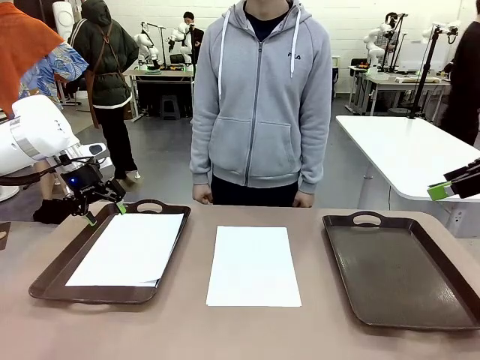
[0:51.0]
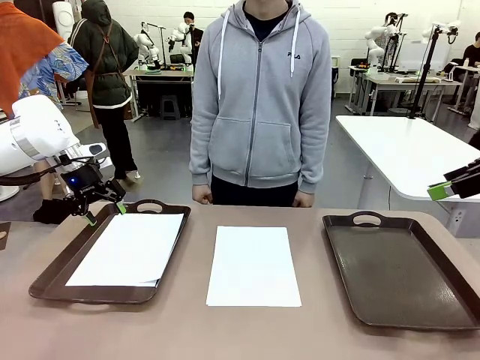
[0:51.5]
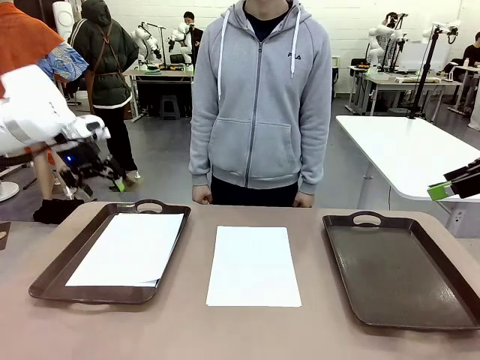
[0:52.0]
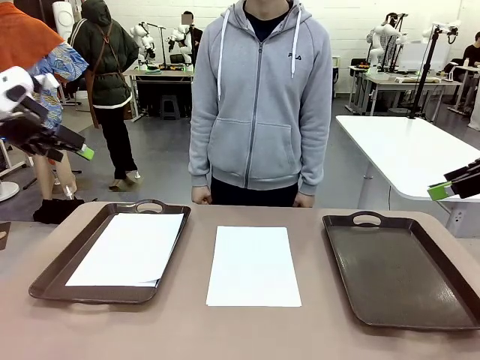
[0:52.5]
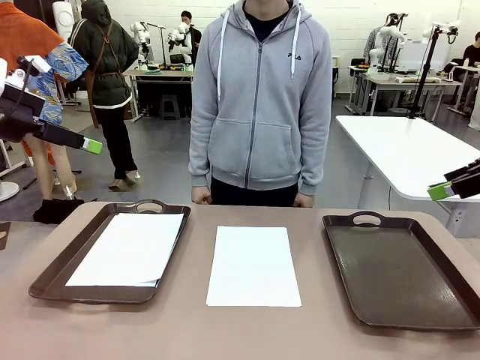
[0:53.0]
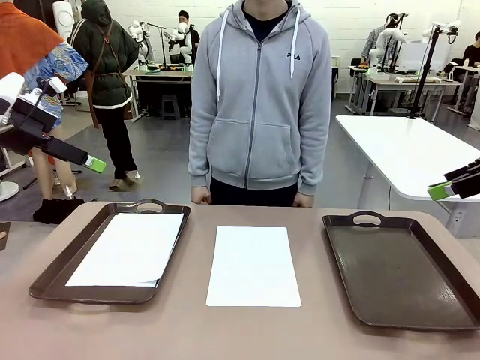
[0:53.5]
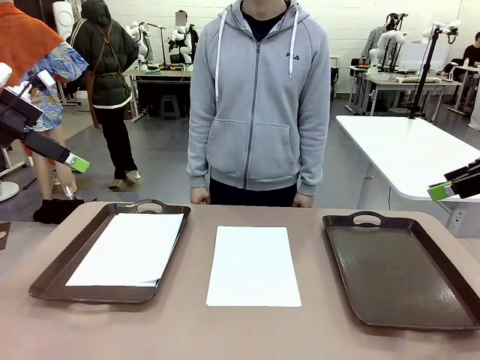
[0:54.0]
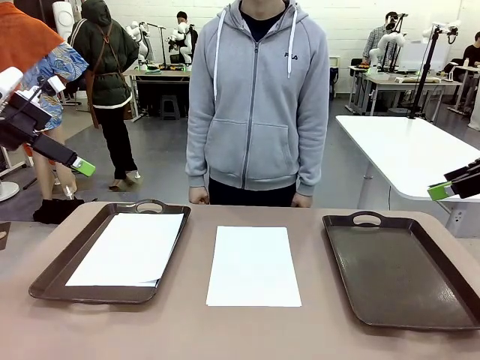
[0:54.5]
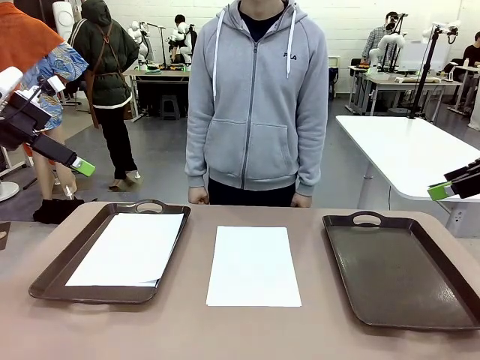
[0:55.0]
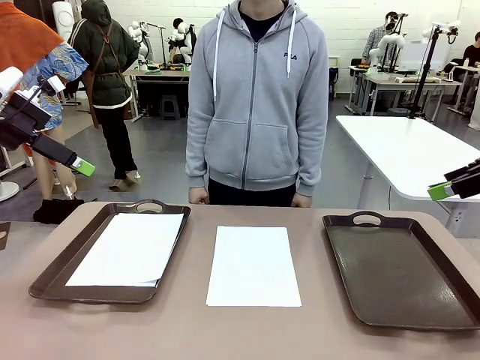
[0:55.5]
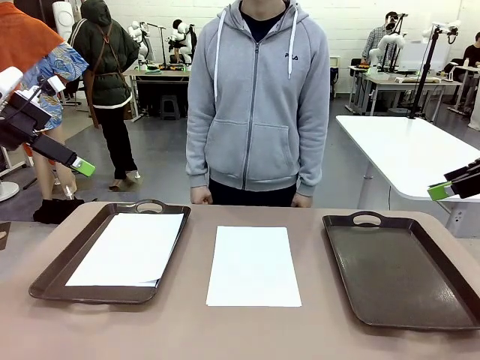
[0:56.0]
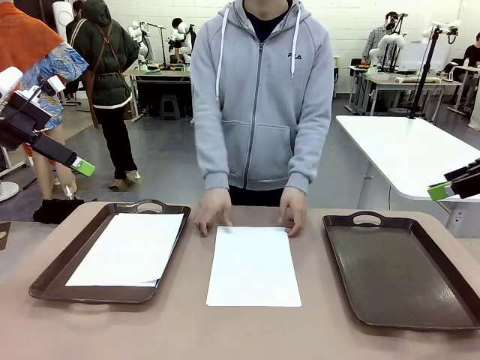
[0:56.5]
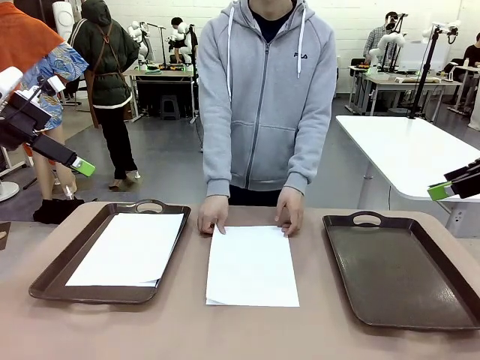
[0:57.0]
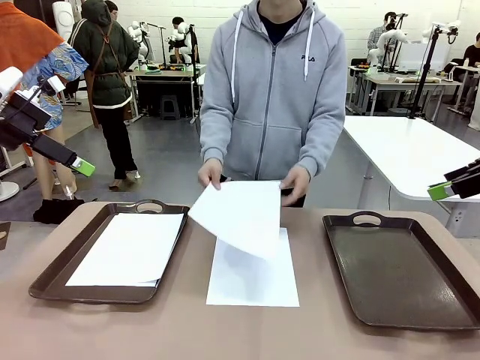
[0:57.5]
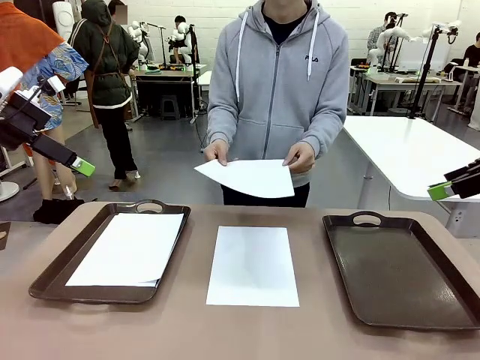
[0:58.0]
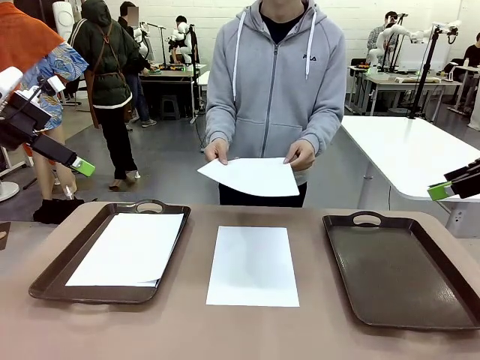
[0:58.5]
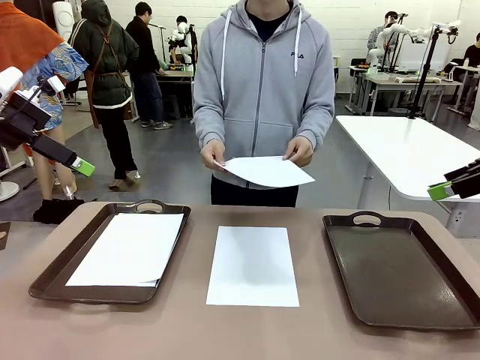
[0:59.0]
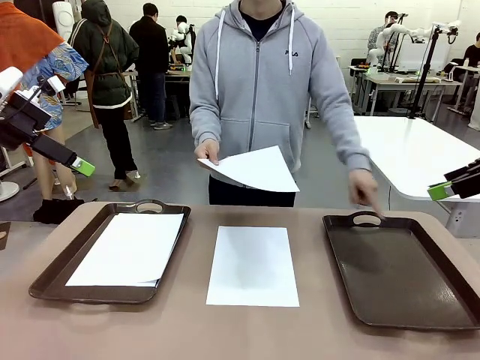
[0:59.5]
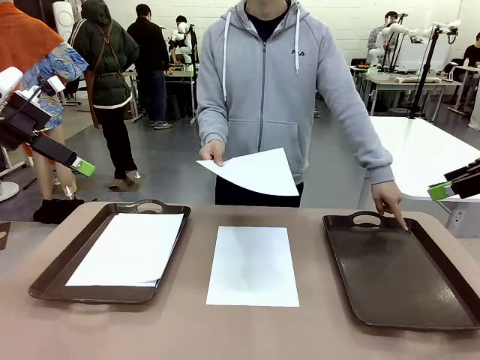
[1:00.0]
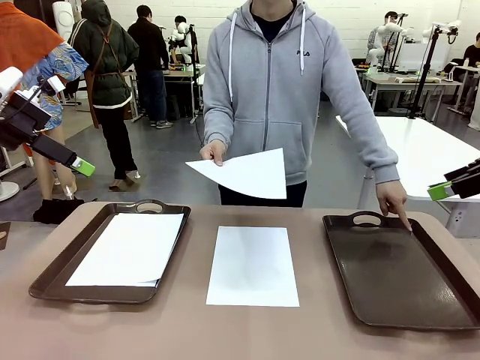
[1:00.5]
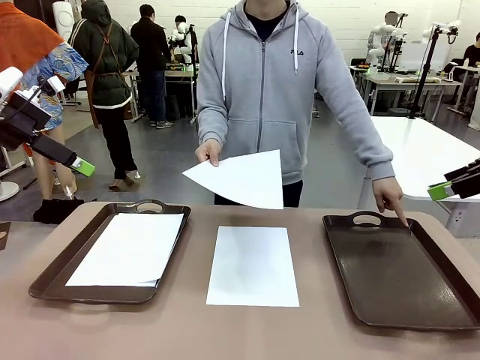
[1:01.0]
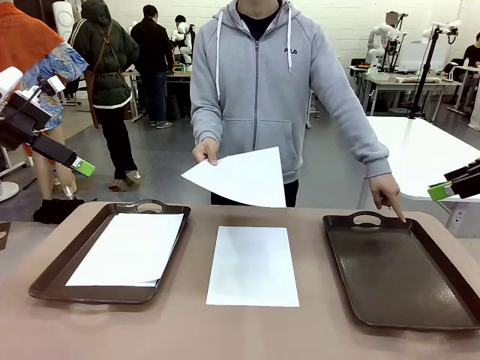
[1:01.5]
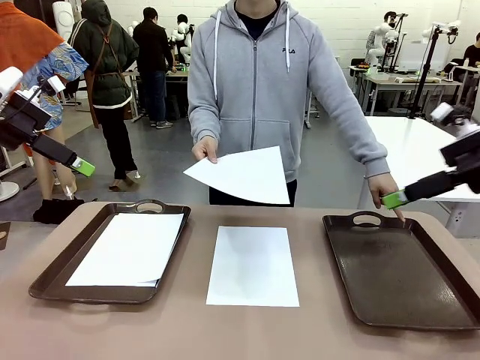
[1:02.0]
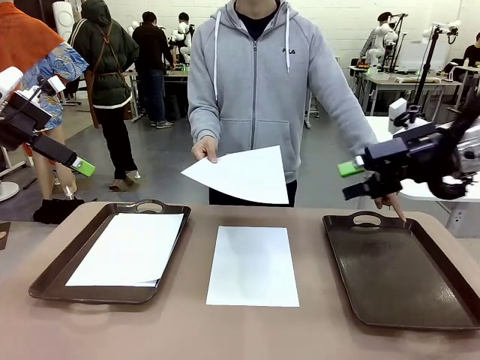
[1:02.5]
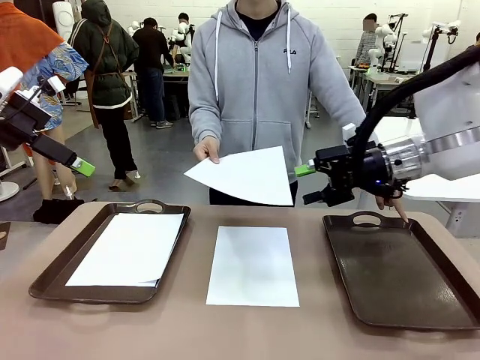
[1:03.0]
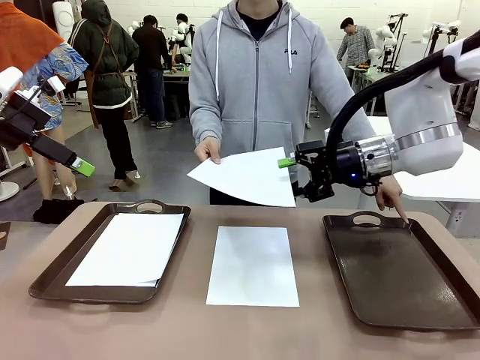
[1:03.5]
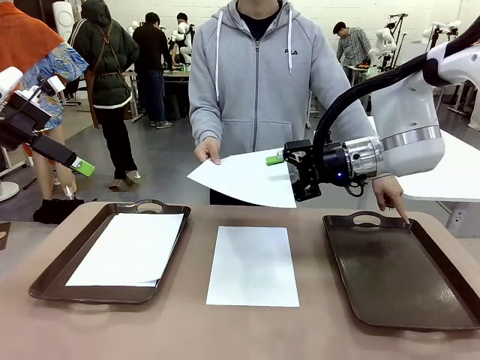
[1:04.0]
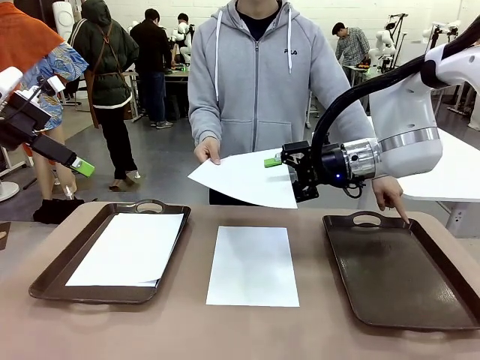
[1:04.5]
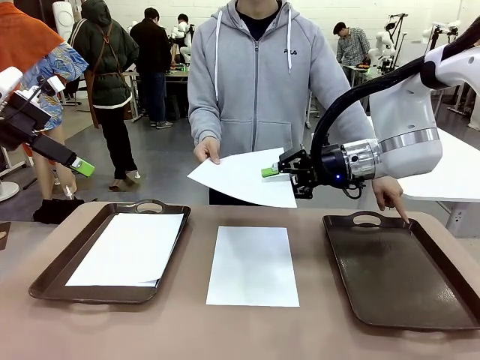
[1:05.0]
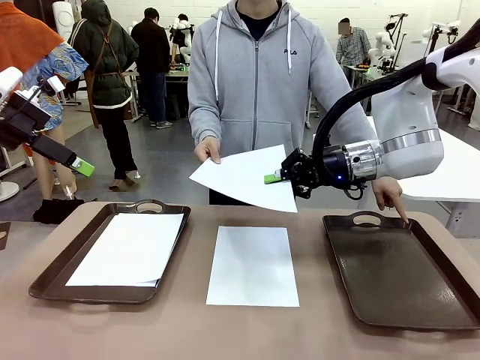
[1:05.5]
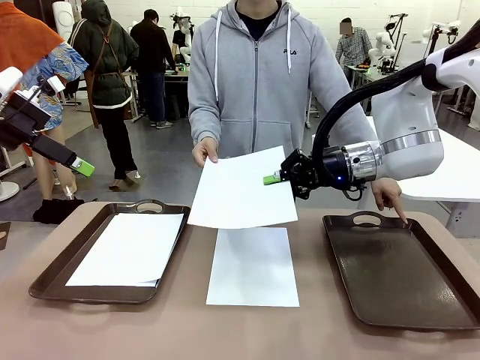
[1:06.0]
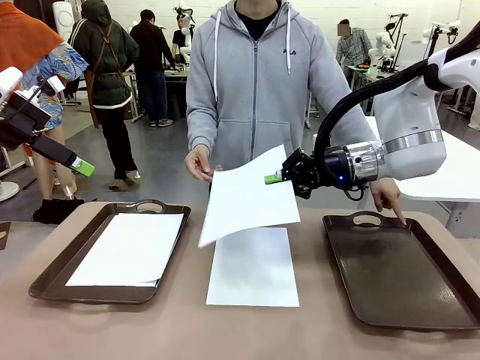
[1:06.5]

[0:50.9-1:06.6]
Task: Sort the A4 documents.
Robot: Receive the A4 Paper.
Person: Point the randomly selected tray with the other hand.

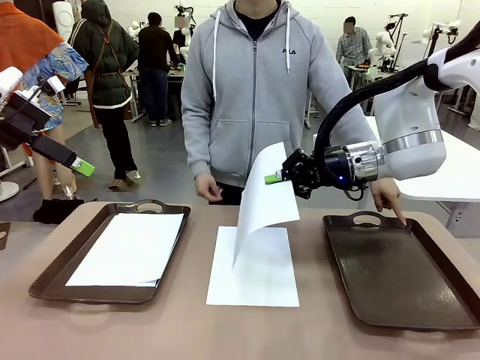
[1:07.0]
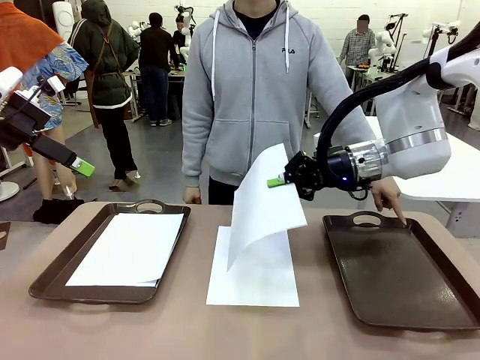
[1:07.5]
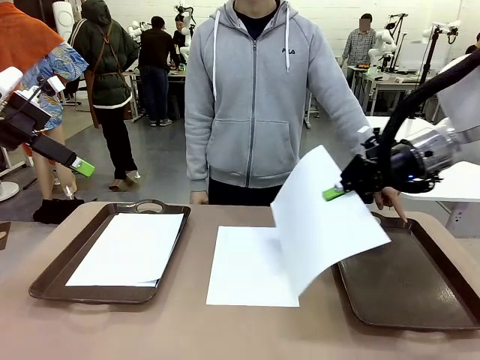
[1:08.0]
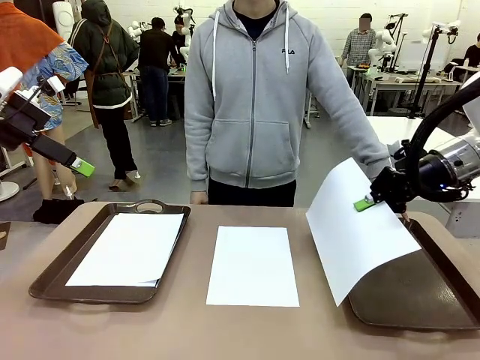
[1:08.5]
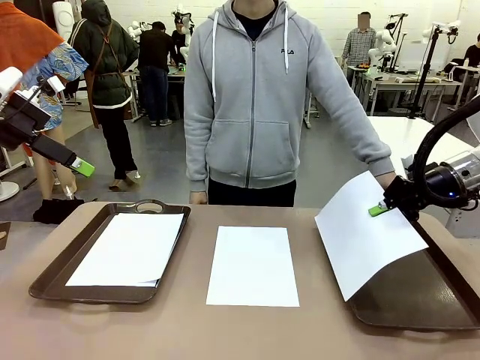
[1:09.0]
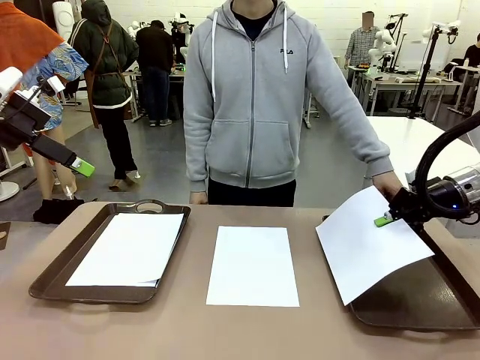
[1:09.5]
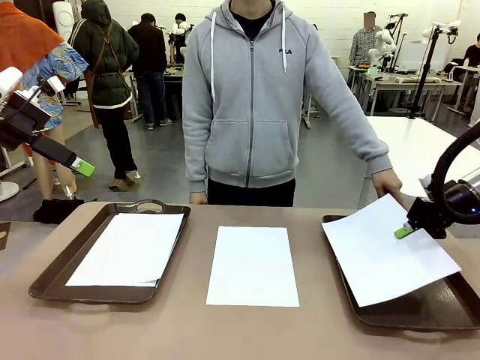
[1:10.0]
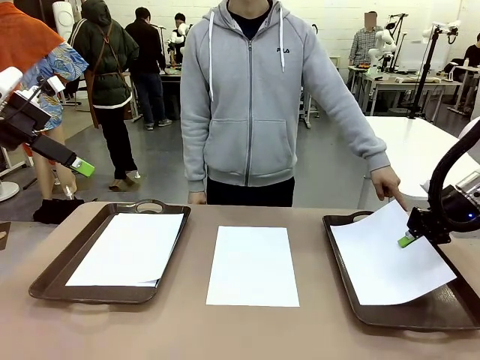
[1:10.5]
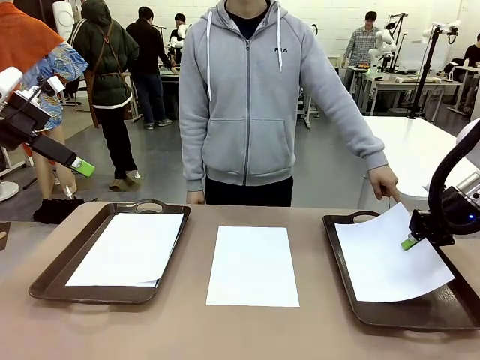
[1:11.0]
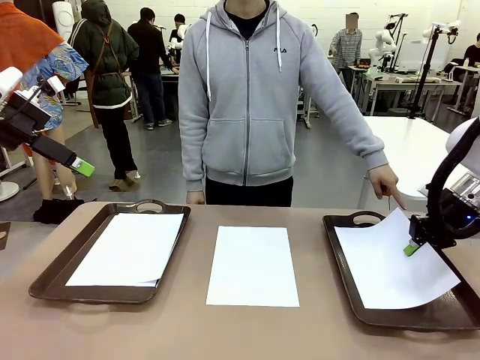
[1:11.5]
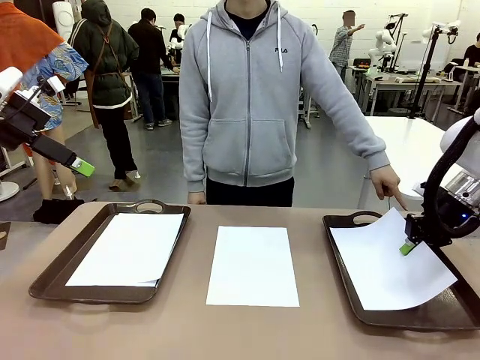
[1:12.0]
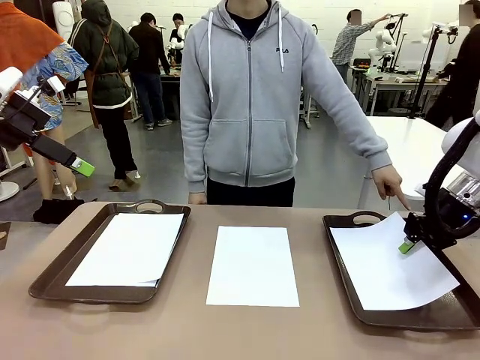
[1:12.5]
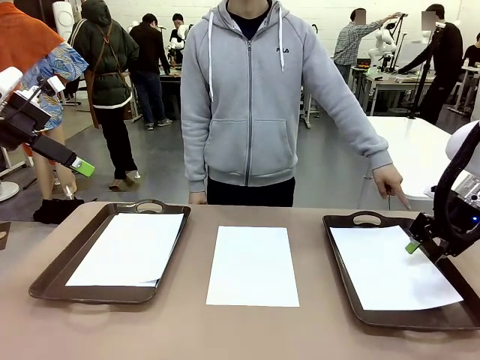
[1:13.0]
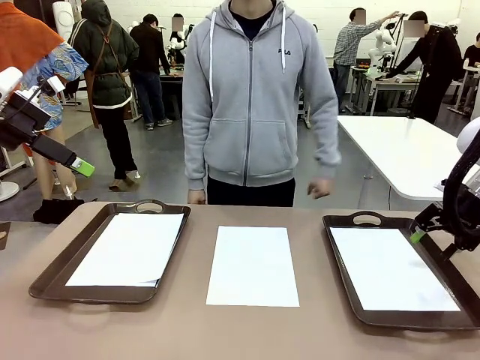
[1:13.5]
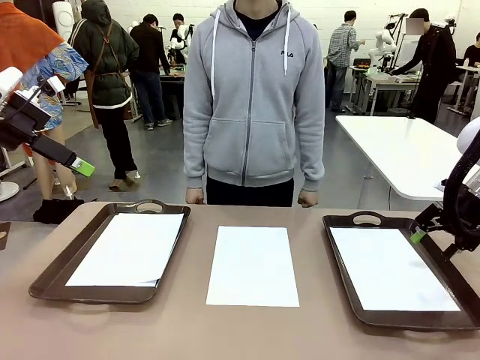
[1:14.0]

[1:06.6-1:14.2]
Robot: Place the A4 Paper in the designated Handle tray.
